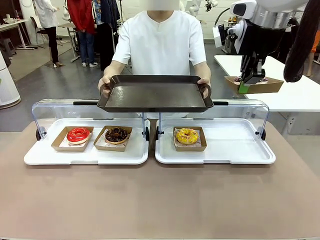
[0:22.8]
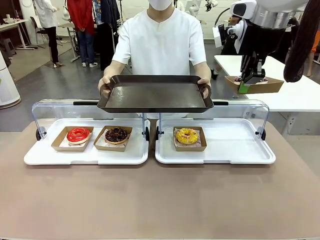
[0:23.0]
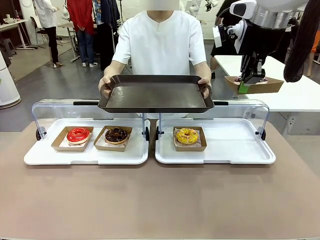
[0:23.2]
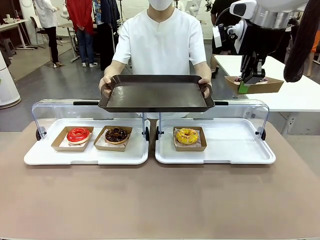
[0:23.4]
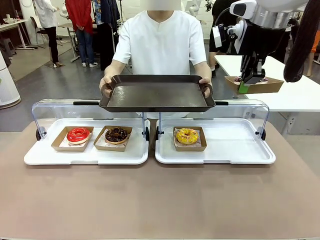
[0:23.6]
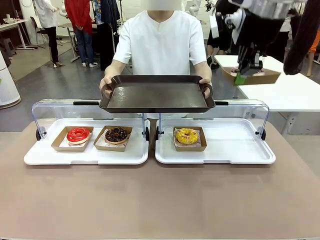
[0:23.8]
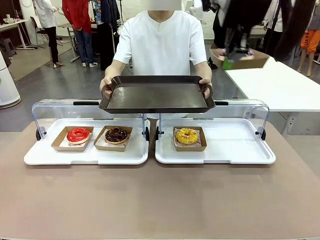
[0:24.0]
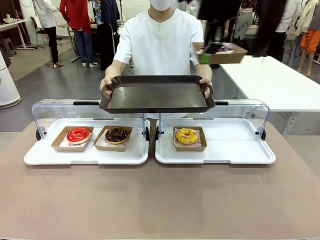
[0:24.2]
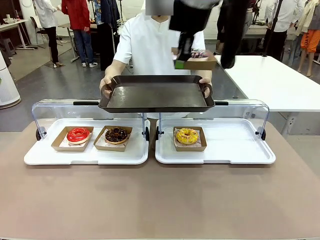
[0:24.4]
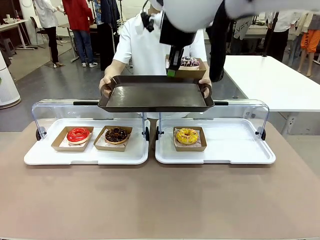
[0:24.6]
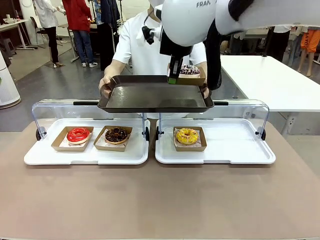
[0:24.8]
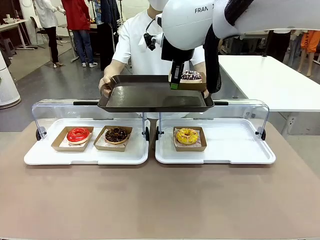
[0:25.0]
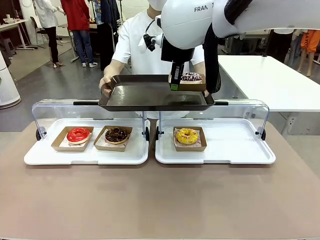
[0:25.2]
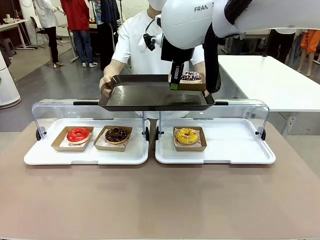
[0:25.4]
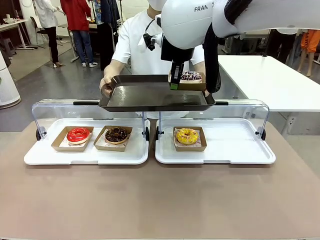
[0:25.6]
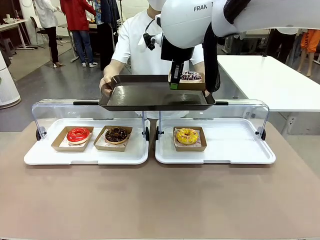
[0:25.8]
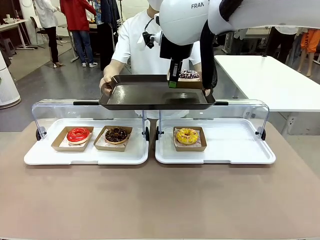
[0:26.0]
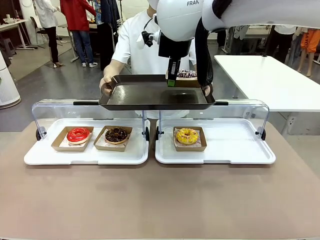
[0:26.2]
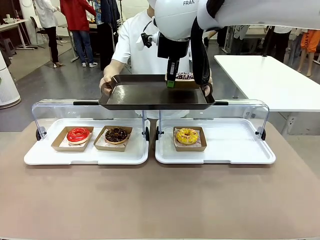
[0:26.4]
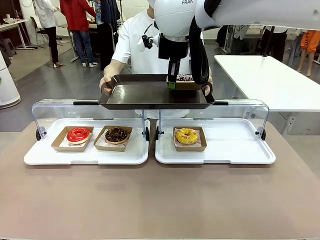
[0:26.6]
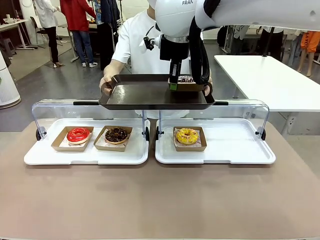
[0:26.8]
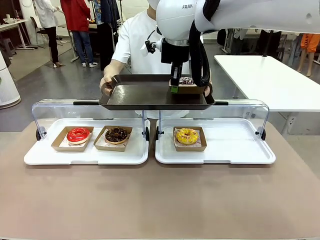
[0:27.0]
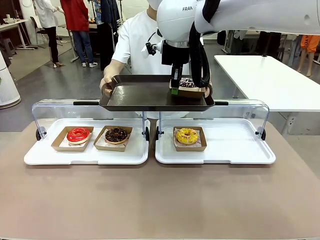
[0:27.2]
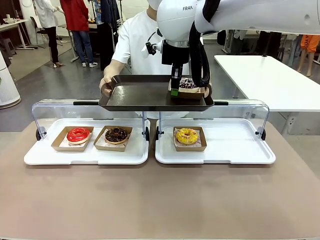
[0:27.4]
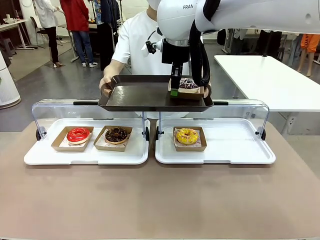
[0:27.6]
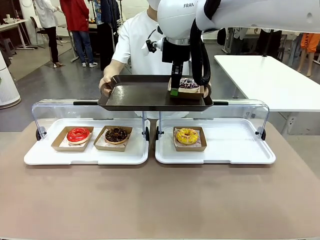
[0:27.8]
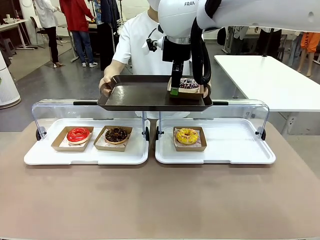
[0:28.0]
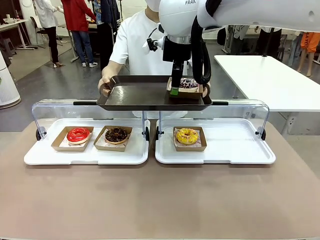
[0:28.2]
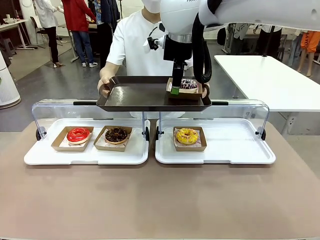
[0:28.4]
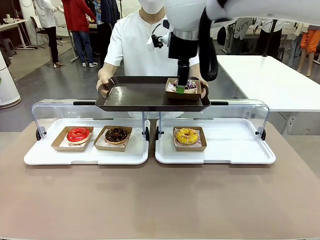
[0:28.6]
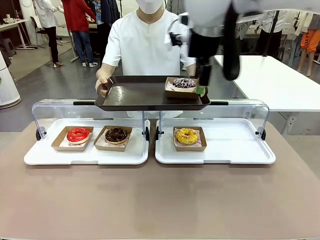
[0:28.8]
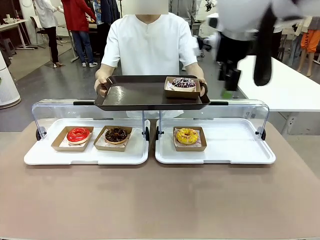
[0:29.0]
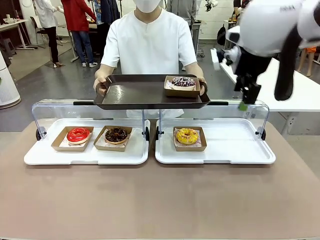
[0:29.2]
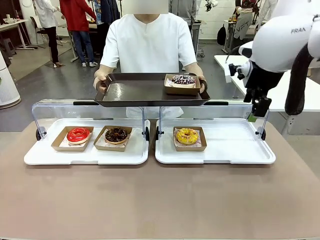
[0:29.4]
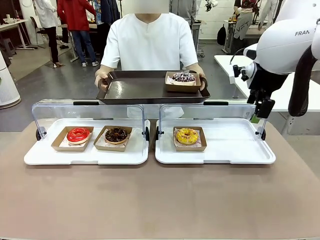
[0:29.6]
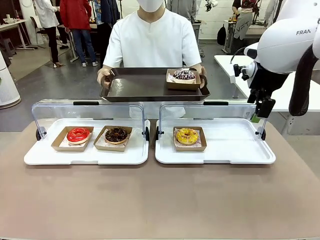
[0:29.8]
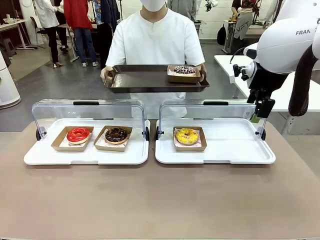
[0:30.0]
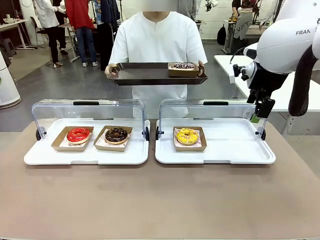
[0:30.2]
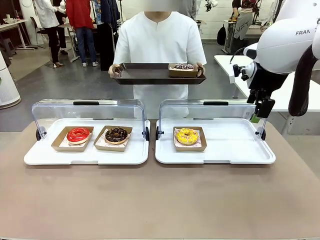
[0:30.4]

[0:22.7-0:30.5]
Task: Provide the desired donut to the person.
Robot: Place the picked Paper togo box onto the Handle tray extended by the person.

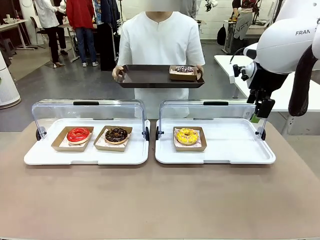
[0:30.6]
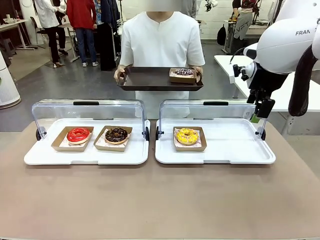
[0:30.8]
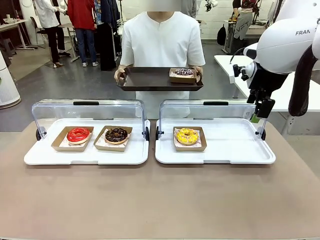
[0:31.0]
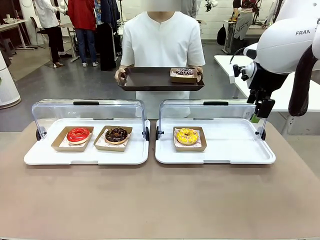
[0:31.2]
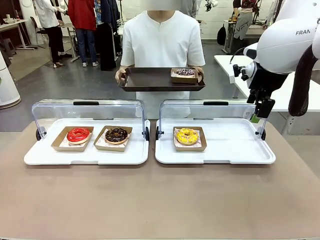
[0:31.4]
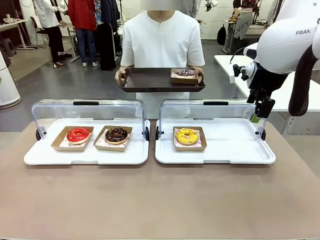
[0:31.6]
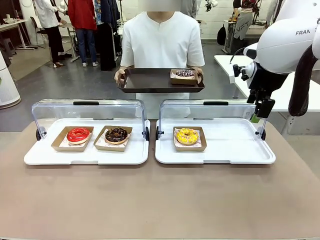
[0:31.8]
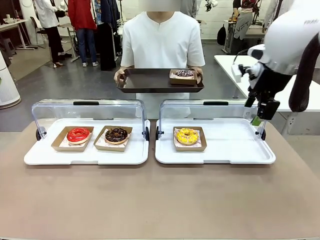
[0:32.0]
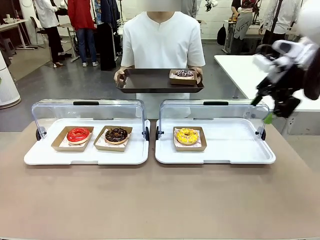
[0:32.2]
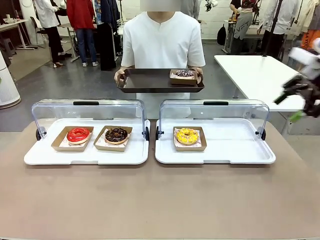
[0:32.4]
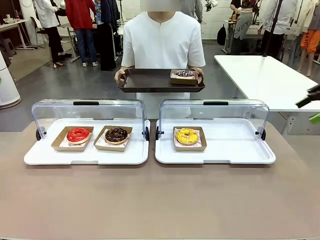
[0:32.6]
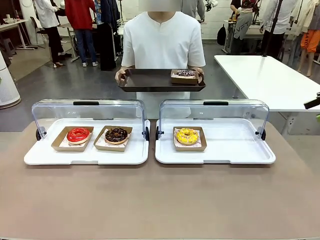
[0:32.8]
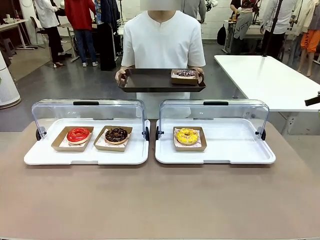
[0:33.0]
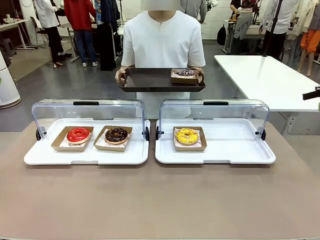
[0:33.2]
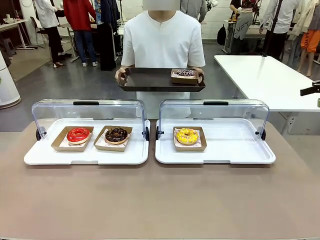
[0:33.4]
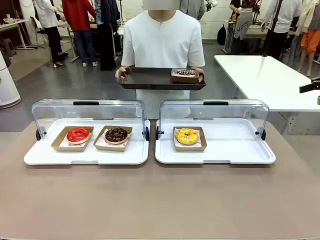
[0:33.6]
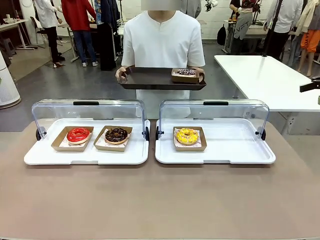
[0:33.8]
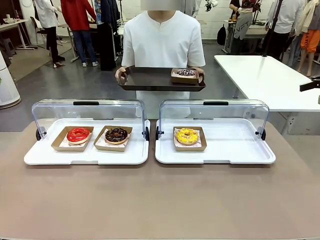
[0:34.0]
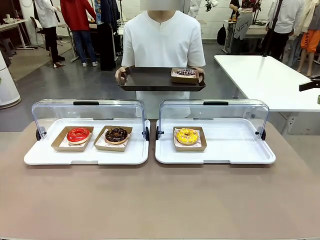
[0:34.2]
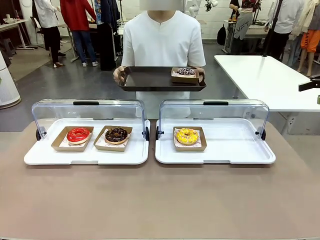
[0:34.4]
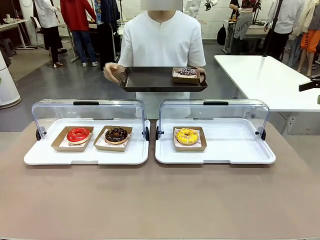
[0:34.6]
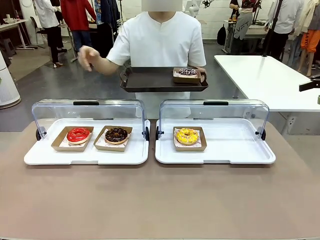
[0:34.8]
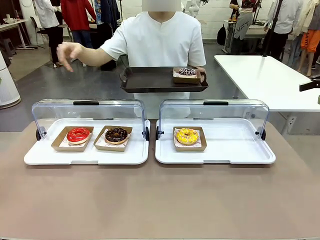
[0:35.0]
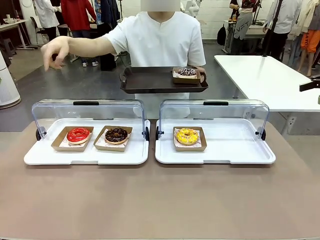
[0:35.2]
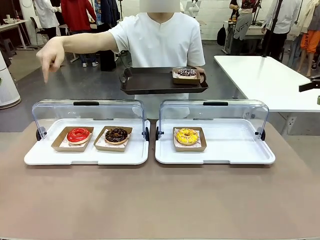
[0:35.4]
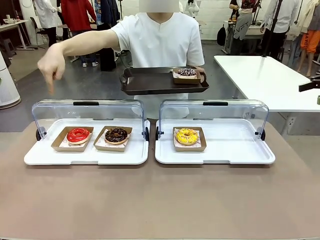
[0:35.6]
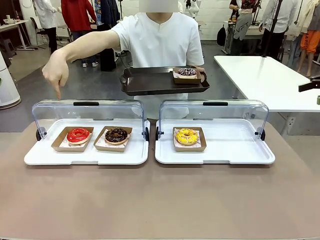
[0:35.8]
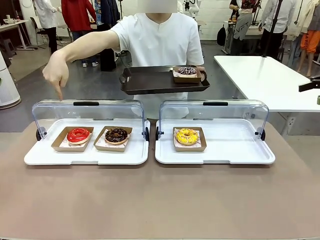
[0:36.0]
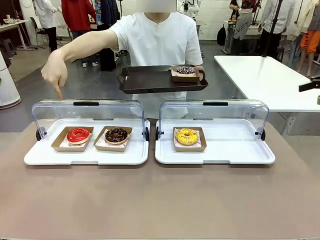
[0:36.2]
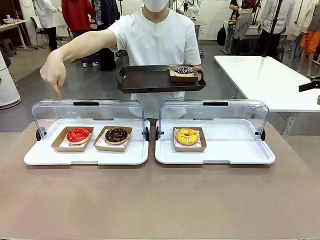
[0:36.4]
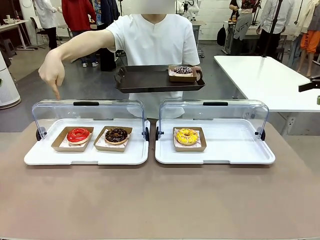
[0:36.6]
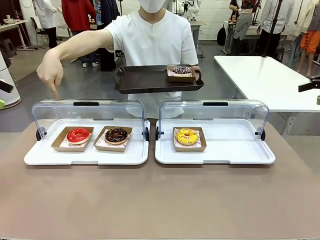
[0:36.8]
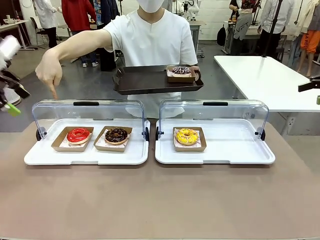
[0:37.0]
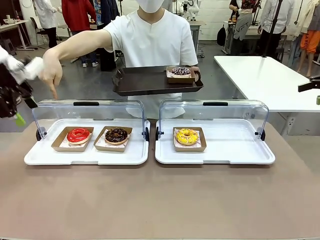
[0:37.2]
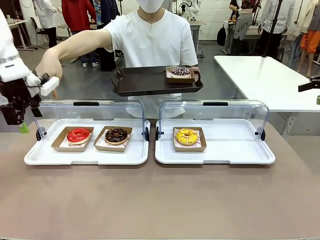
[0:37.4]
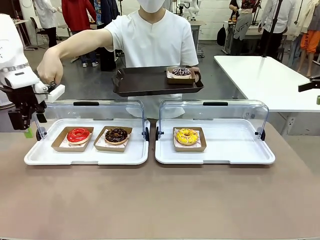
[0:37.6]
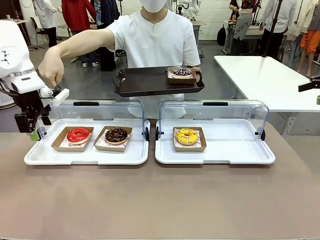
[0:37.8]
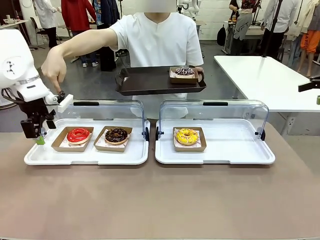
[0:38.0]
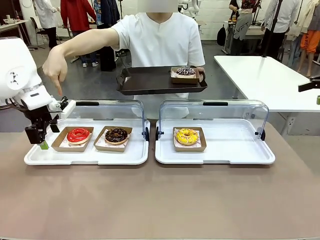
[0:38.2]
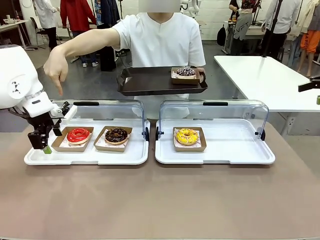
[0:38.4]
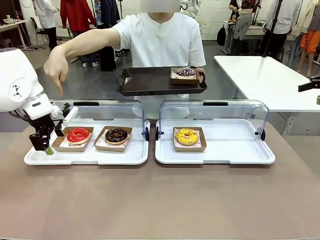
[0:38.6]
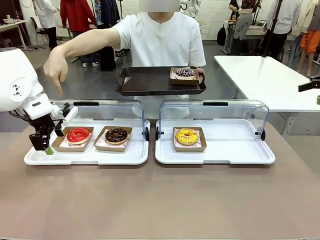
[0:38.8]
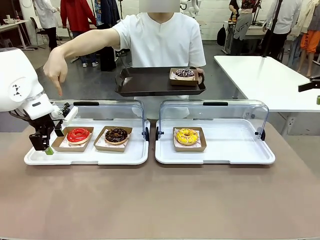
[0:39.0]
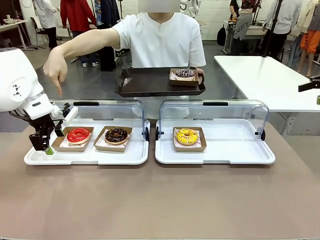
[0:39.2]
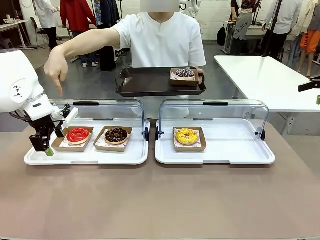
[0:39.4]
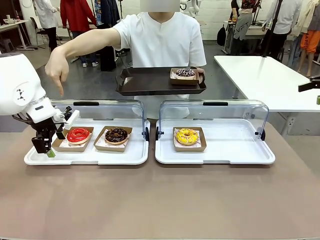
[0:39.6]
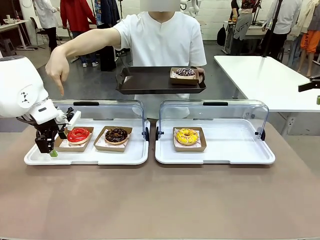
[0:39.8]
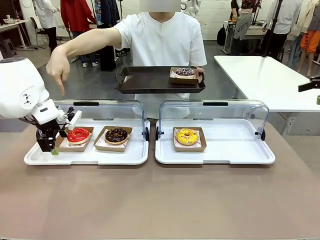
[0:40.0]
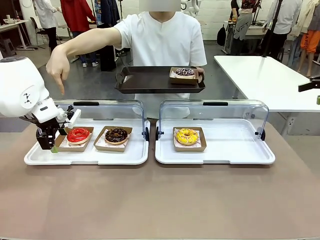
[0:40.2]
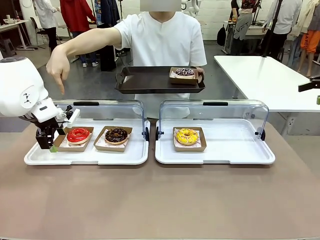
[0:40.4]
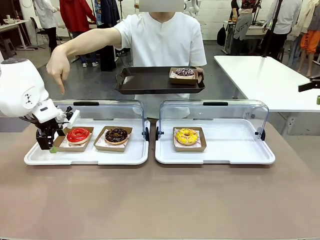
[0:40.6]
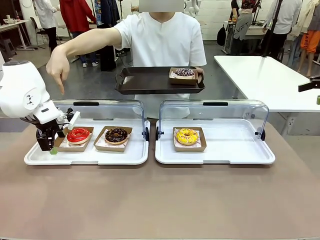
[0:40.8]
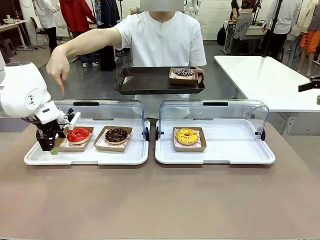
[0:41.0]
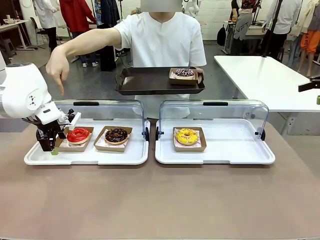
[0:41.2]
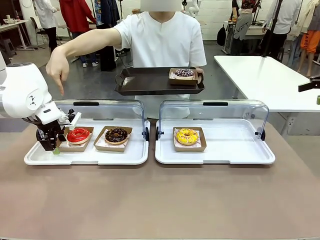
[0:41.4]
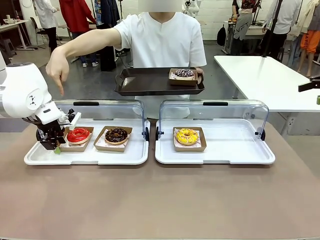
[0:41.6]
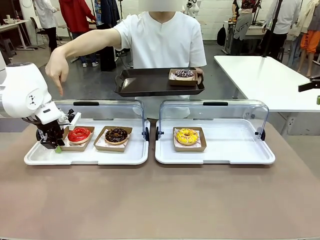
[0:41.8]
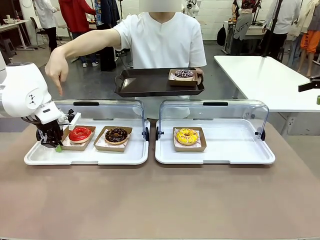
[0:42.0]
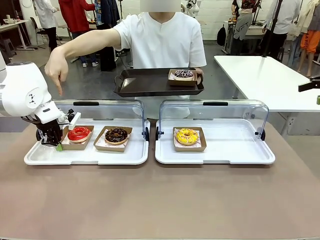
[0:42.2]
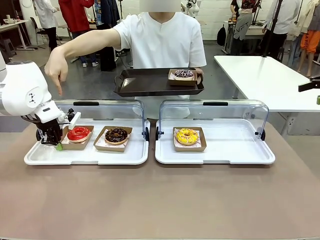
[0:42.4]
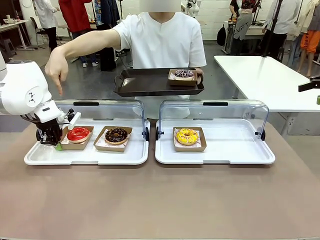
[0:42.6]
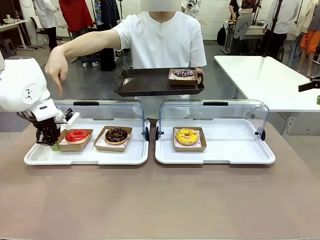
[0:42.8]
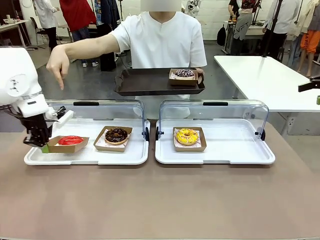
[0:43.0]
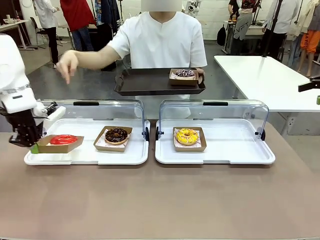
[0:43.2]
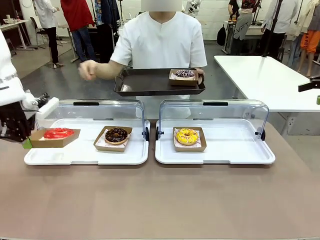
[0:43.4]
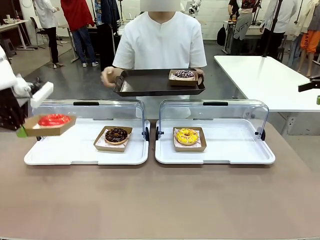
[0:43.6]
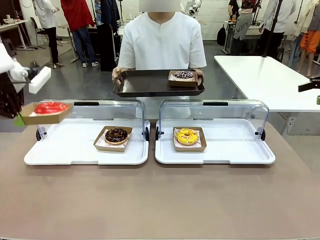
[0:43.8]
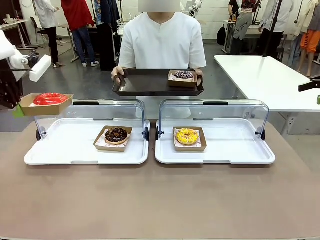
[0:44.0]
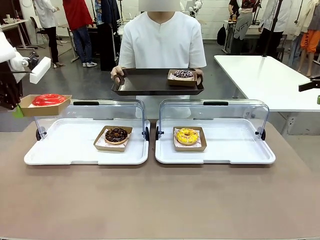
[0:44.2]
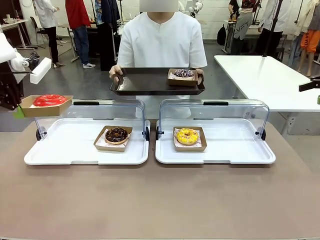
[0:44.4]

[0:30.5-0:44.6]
Robot: Pick up and lift the Paper togo box containing the Donut pointed at by the person.
Person: Point to one donut.
